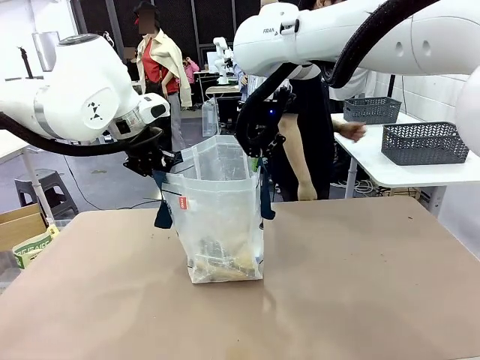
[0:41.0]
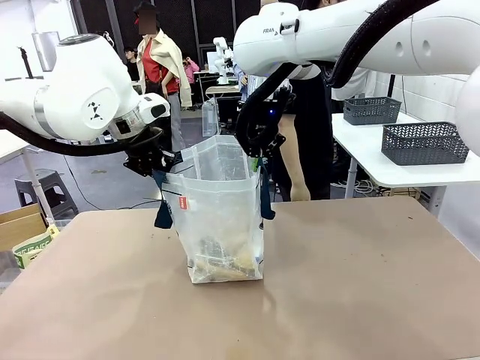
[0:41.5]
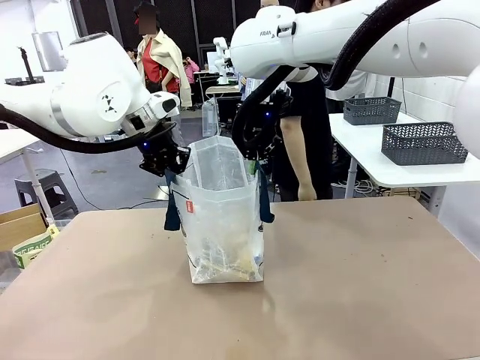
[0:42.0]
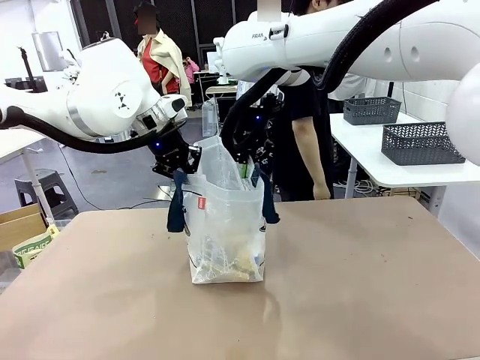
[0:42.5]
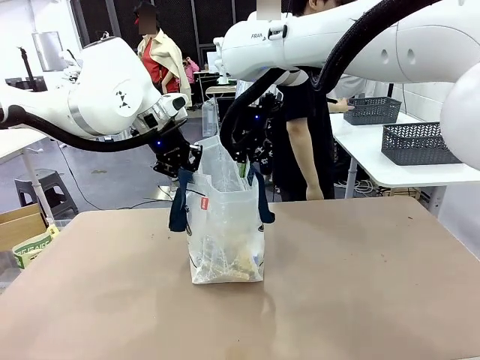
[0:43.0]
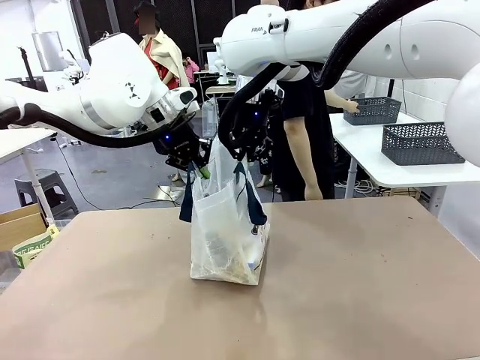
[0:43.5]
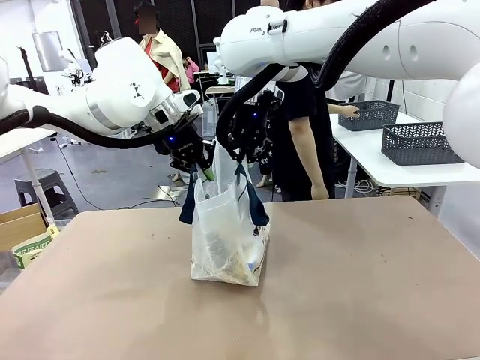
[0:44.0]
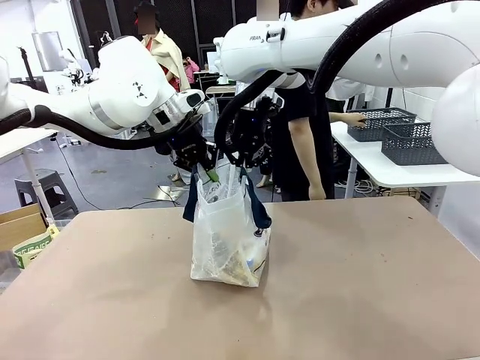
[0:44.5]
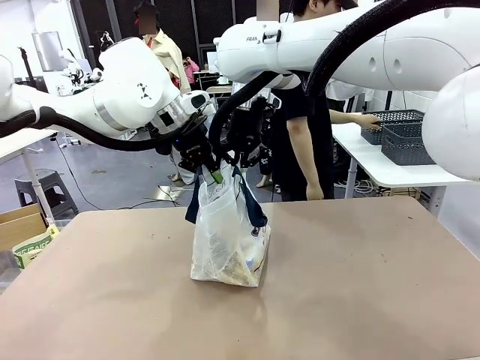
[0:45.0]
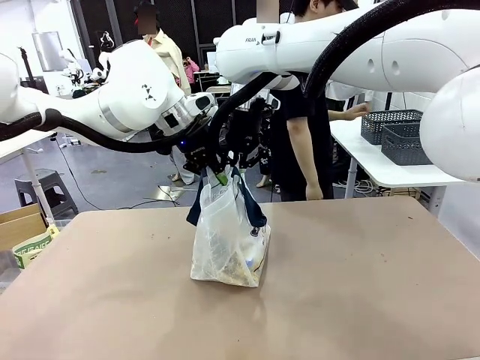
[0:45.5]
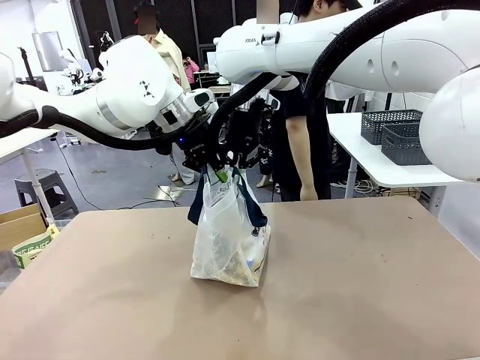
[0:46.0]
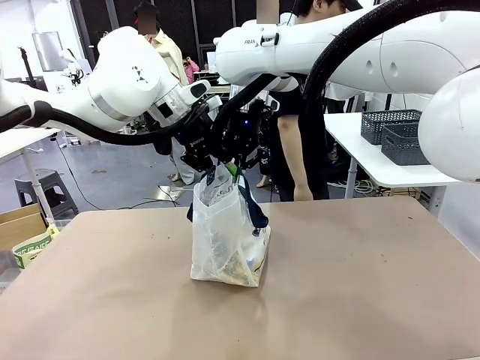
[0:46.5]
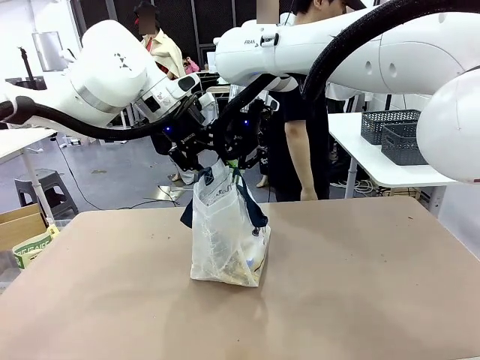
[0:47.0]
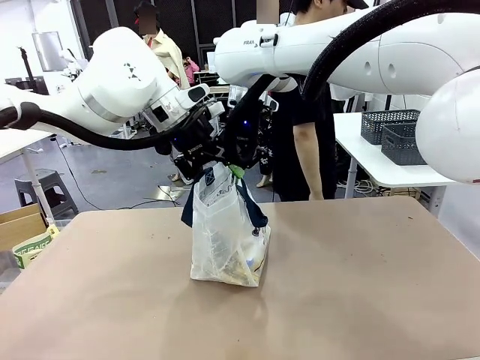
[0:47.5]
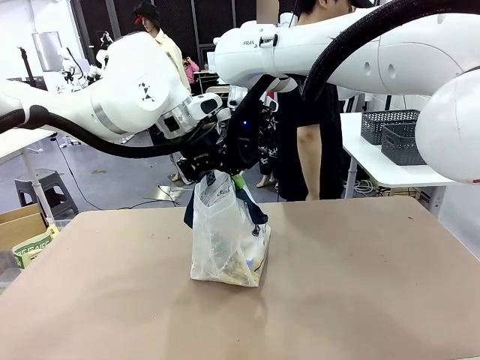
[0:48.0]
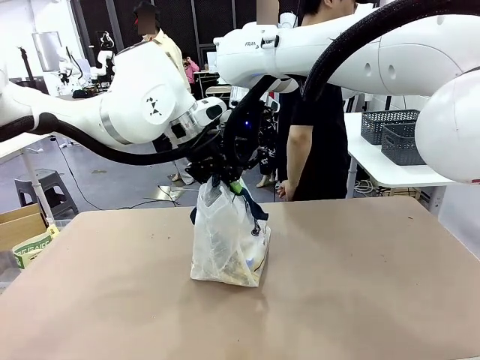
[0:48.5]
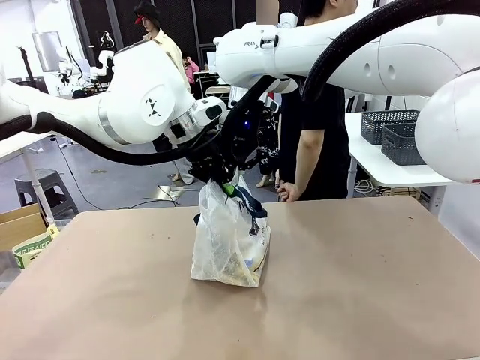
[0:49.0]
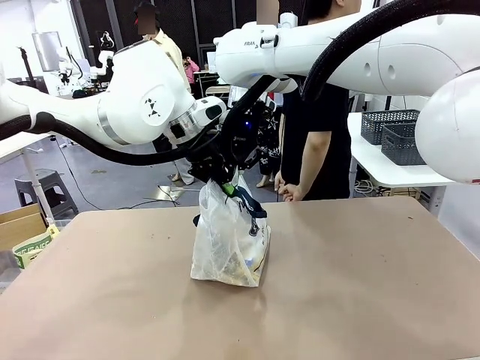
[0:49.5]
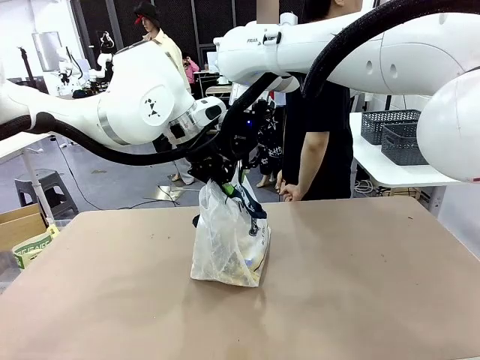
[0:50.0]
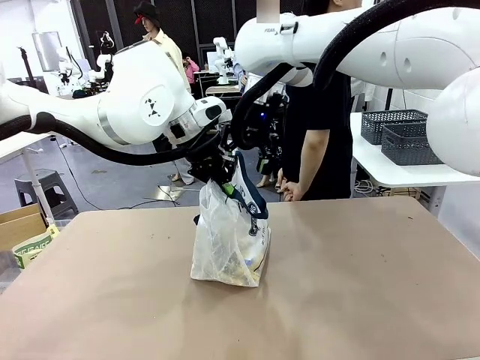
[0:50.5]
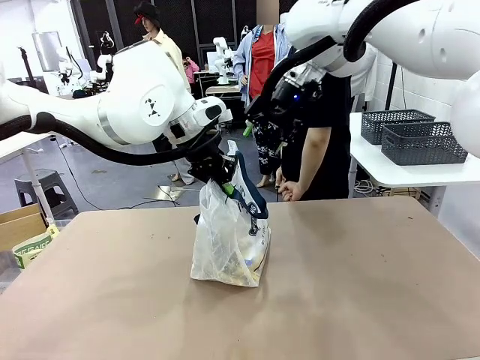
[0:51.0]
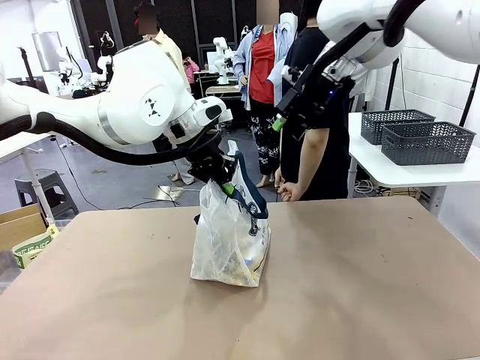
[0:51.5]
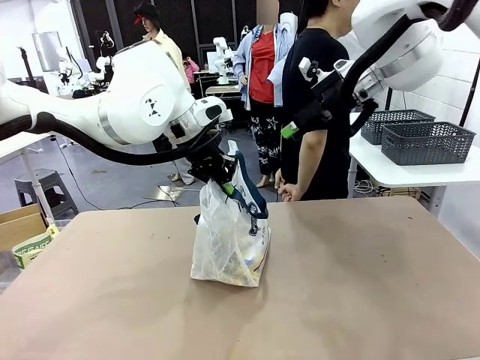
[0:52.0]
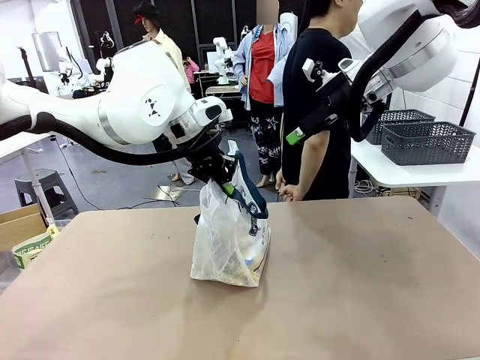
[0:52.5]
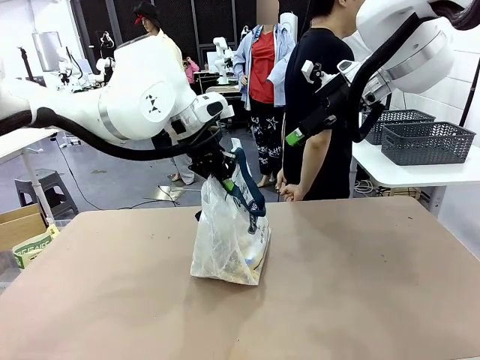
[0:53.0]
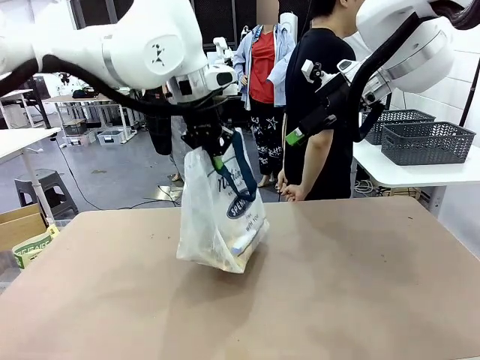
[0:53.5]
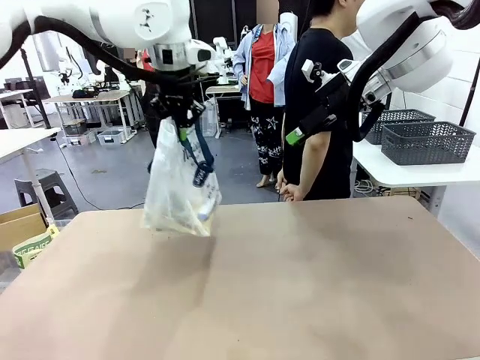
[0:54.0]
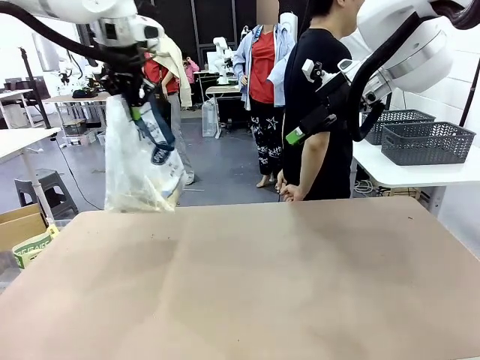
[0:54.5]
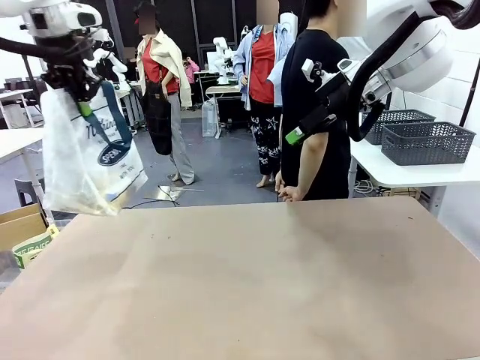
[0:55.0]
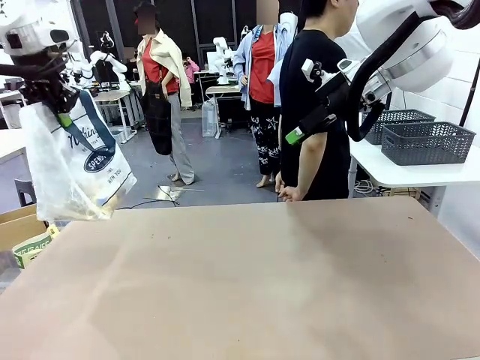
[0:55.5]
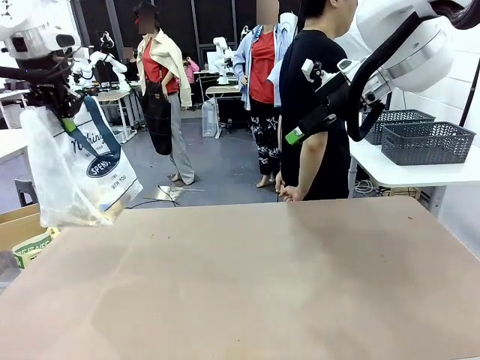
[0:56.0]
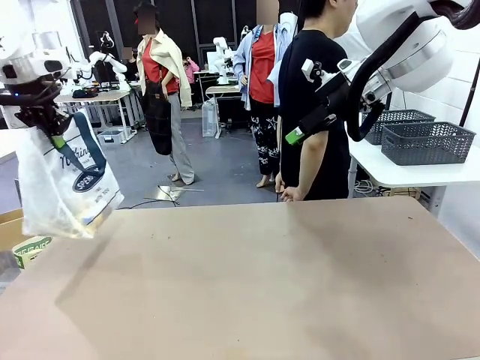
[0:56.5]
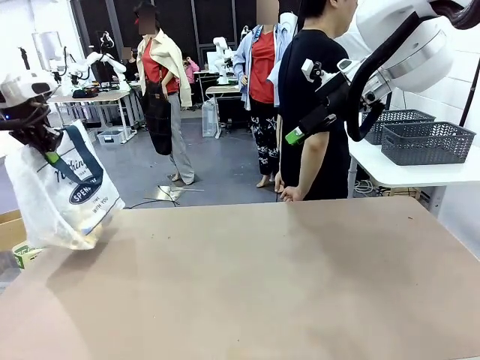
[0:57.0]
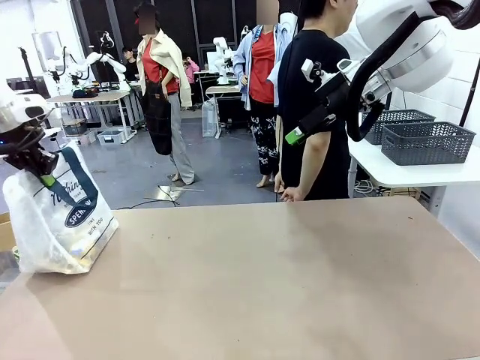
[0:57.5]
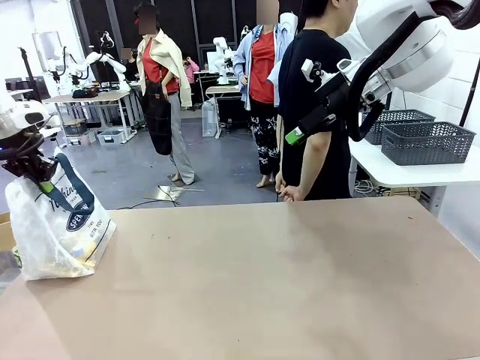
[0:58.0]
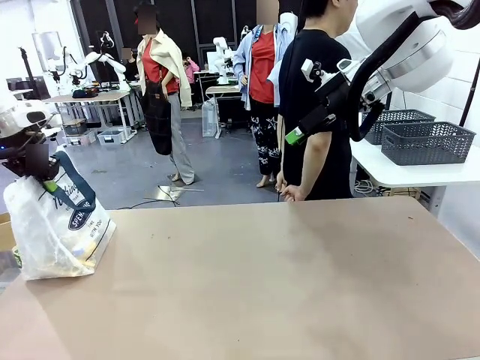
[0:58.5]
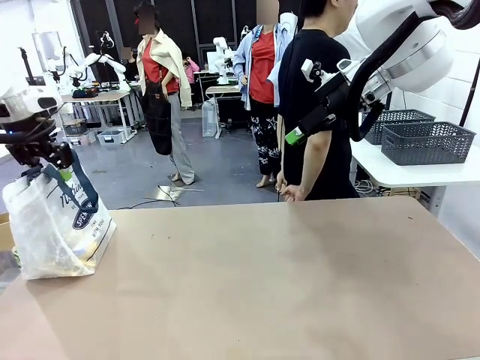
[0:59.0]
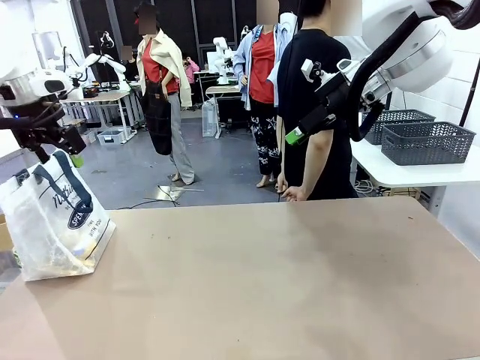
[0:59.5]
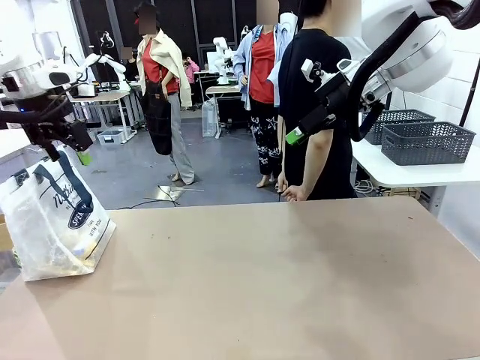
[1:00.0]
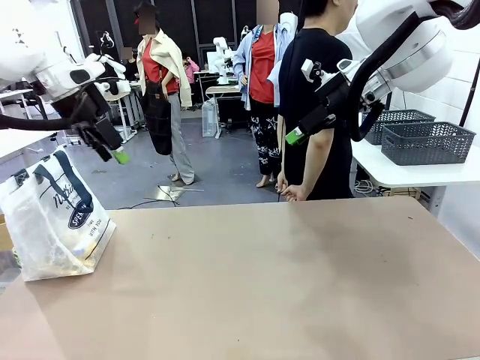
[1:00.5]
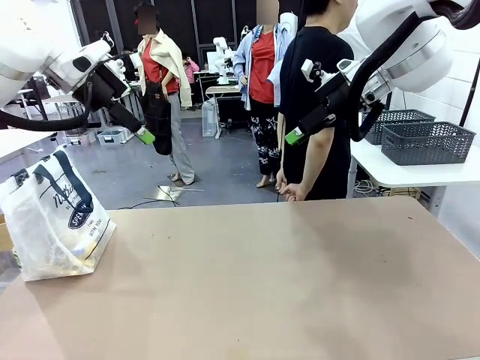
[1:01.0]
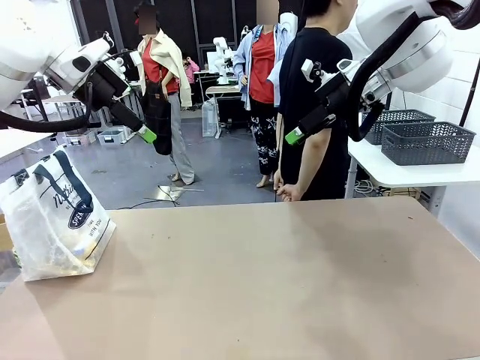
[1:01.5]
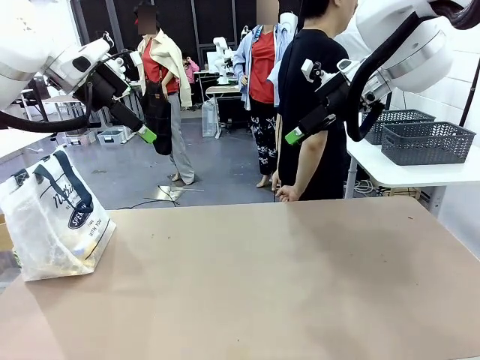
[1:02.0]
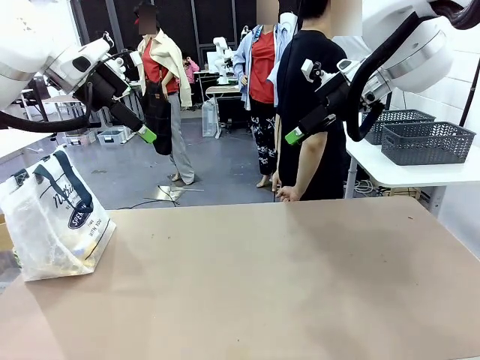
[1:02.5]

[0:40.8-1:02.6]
Task: Transfer purchased items from the store into the shopping bag.
Robot: Move the Reusable shopping bag to the right side of the table.
Person: Move the basket on the left to the middle of the person's table.
